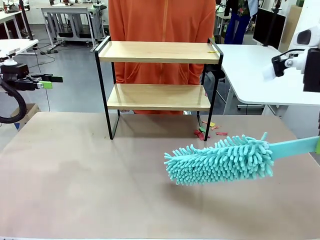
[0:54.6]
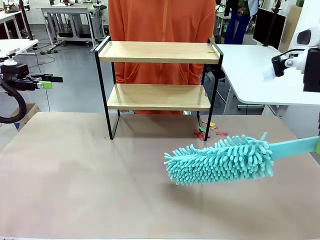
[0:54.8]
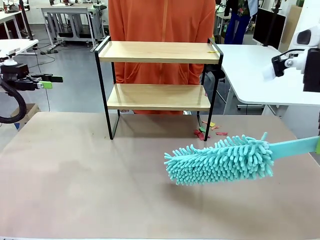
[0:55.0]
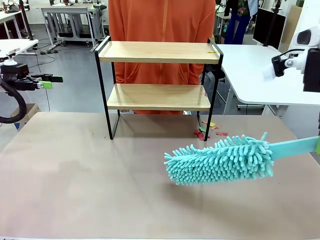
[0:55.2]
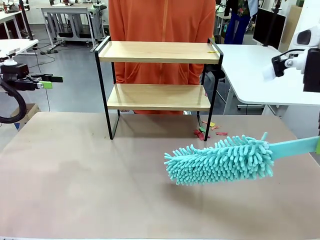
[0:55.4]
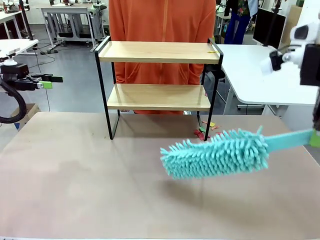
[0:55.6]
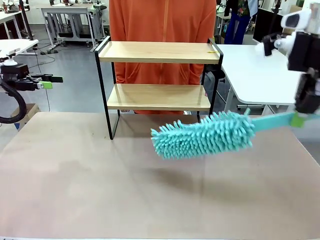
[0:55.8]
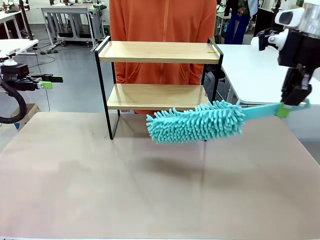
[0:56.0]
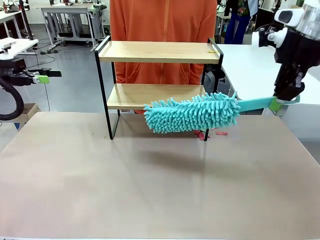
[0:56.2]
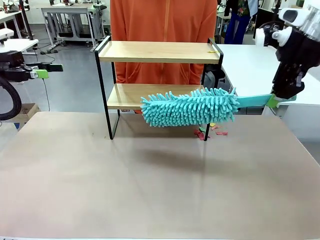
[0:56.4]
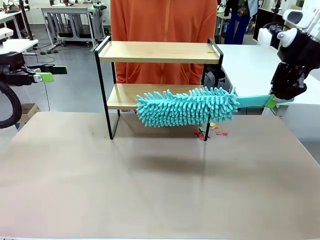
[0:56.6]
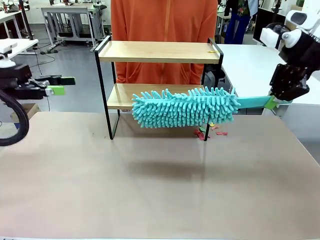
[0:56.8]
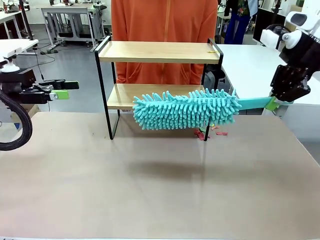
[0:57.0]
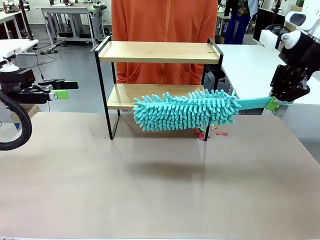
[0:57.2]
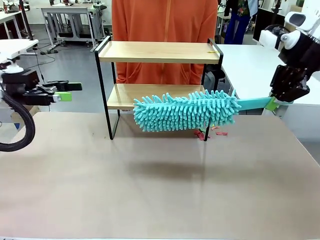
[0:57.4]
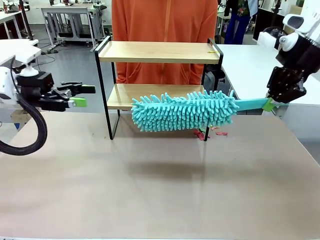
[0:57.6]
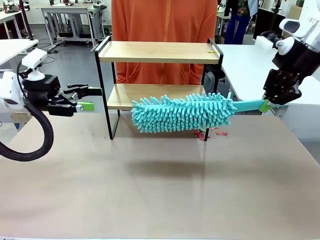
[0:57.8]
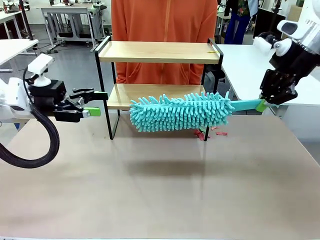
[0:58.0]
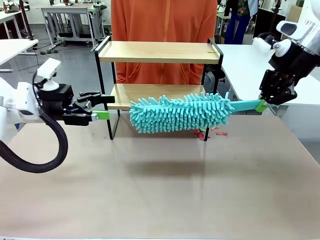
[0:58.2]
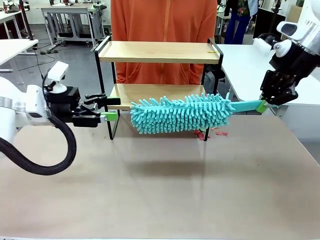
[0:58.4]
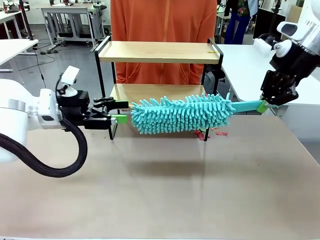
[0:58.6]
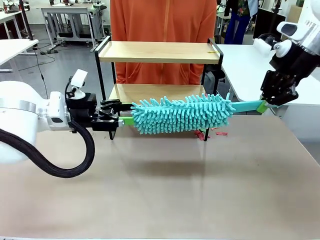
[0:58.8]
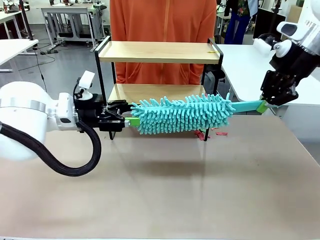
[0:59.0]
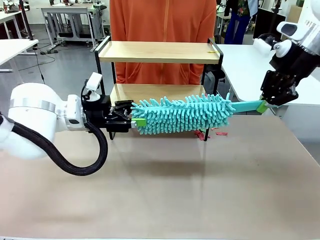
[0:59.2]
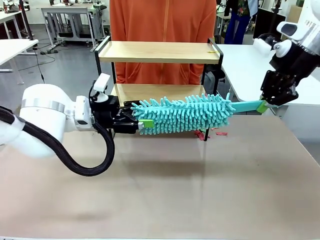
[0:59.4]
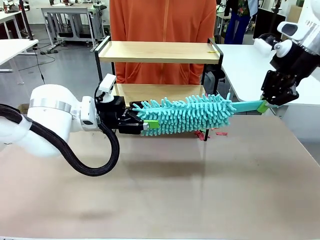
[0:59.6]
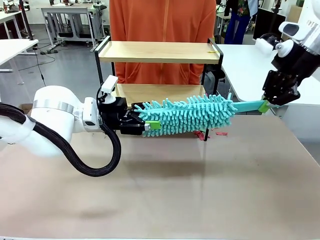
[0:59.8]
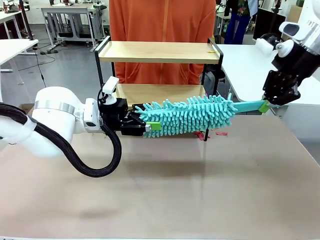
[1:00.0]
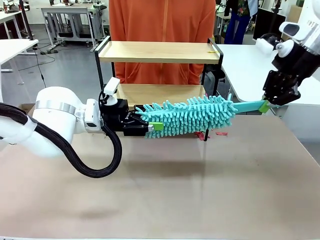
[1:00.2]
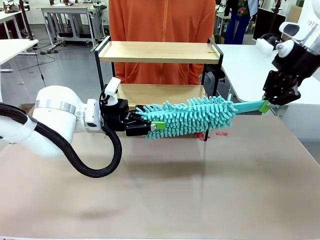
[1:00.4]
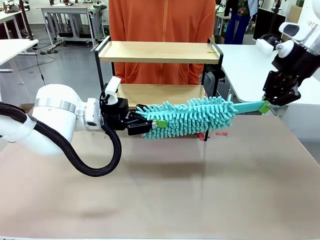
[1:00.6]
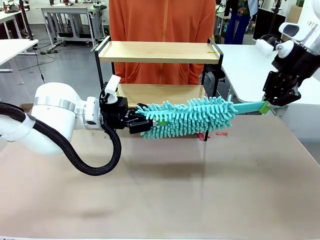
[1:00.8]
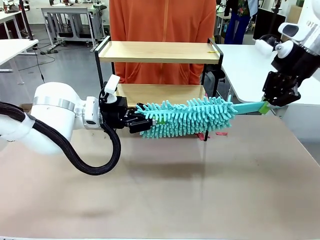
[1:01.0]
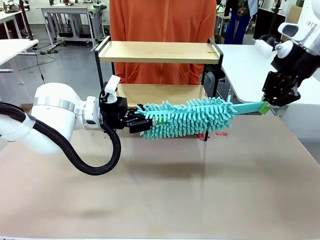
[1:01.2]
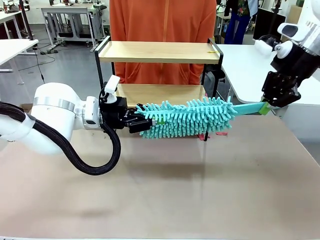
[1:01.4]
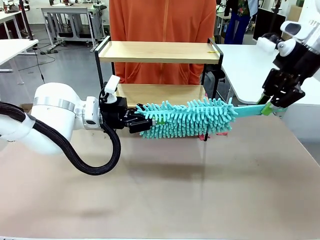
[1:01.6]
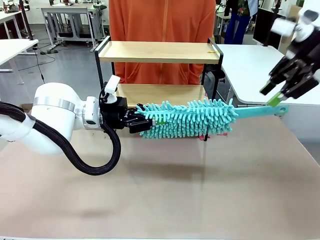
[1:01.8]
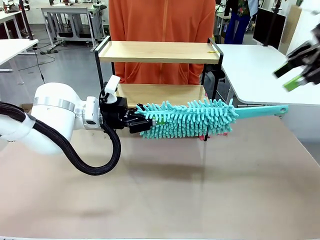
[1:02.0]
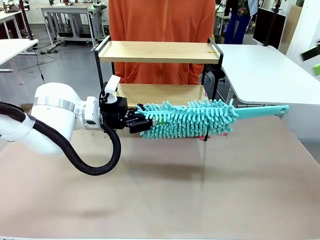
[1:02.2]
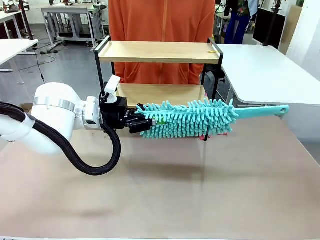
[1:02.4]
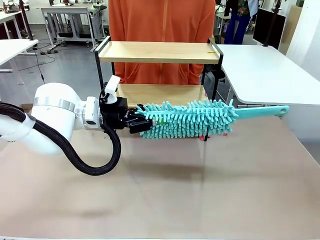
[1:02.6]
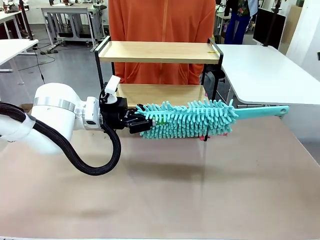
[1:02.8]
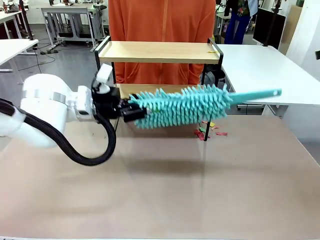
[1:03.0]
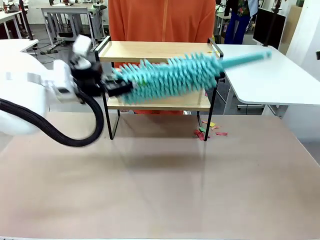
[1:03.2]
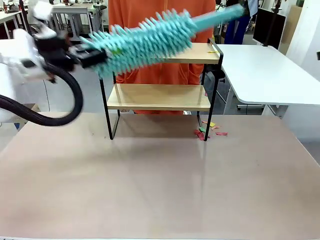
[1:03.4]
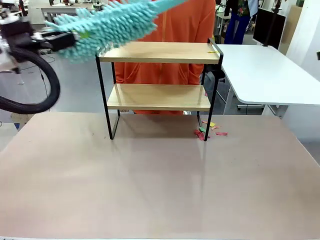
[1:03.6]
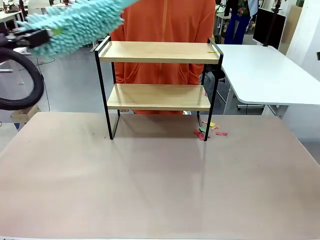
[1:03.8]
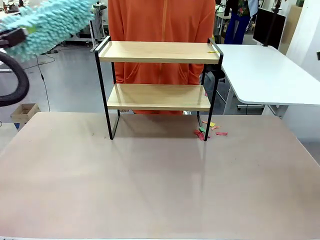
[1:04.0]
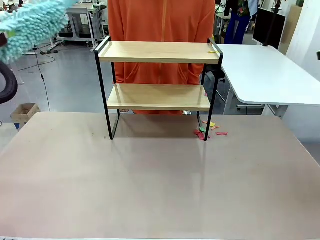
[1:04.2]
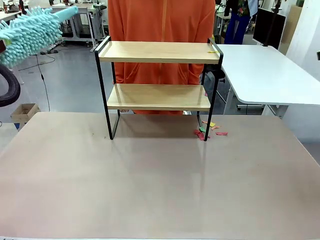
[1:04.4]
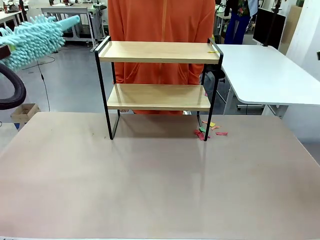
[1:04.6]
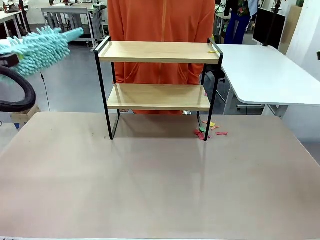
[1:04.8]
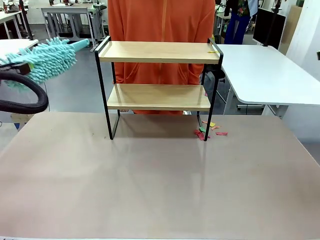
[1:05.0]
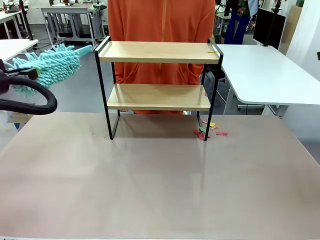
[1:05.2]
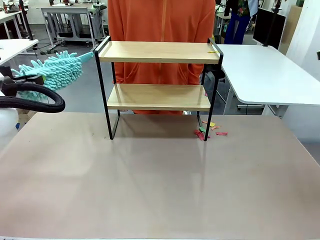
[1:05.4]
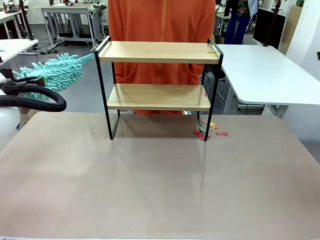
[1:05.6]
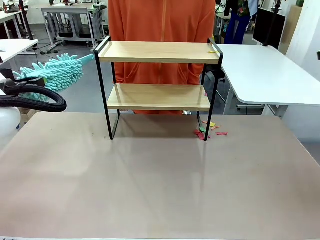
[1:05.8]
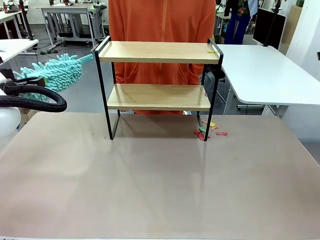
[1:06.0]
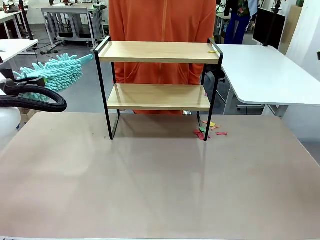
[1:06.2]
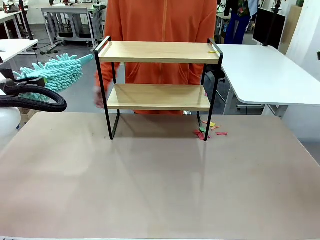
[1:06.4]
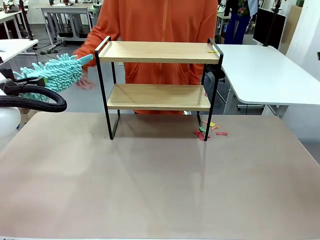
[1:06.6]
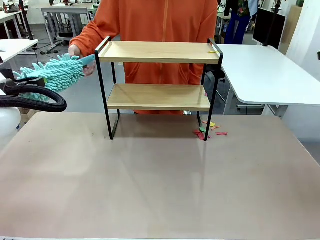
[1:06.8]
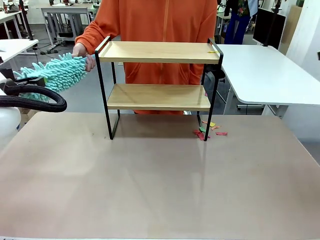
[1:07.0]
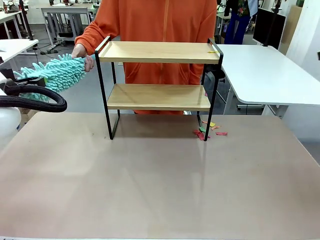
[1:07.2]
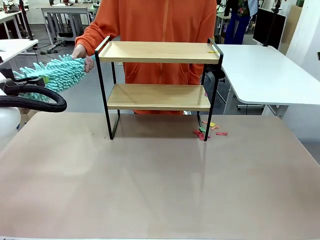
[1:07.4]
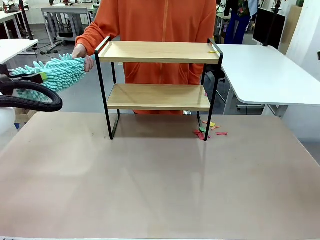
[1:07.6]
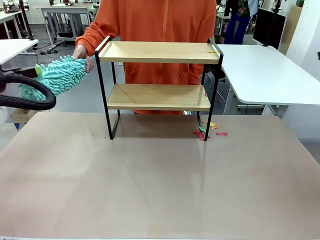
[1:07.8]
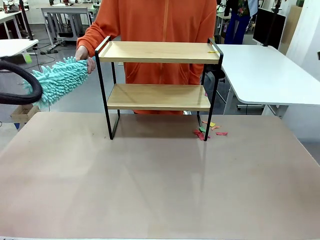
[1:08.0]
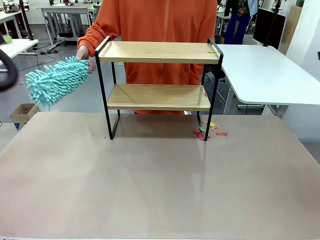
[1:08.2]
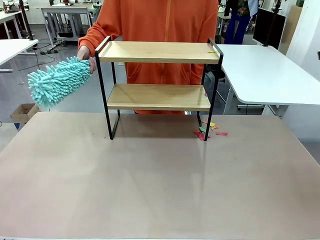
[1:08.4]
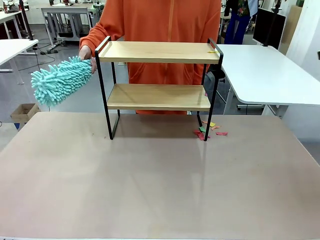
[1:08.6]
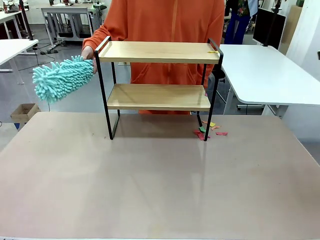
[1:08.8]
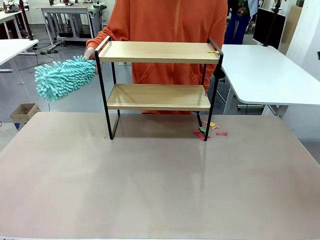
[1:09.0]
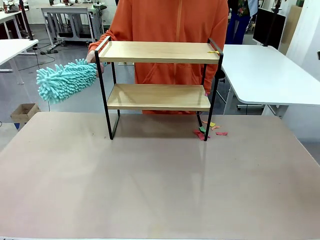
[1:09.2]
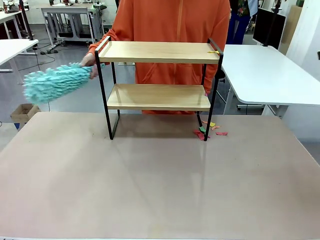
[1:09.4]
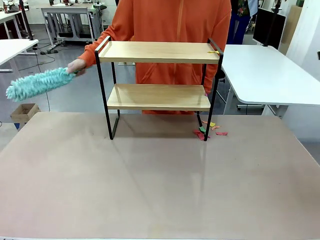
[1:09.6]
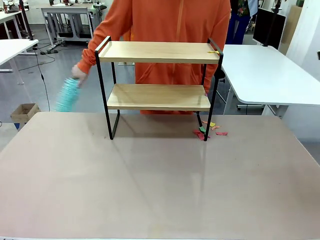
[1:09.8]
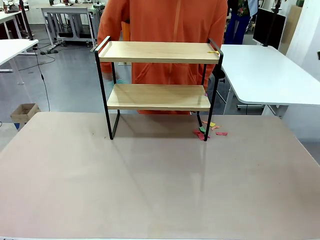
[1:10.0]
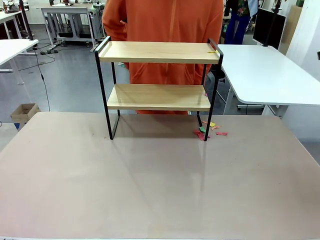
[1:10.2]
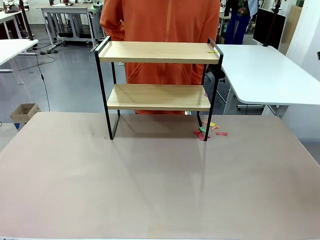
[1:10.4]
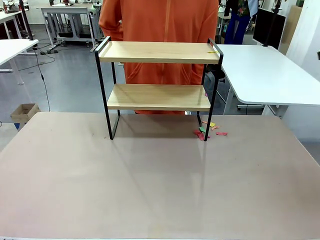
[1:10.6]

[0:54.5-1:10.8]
Task: Clean the shelf.
Robot: Hand the Duster back to the human.
Person: Receive the Duster from the robot.
